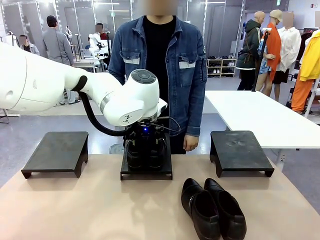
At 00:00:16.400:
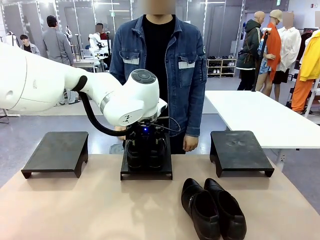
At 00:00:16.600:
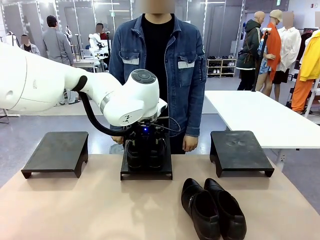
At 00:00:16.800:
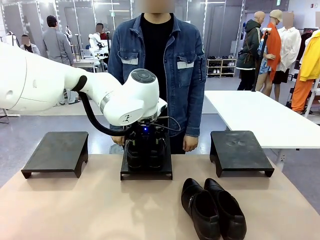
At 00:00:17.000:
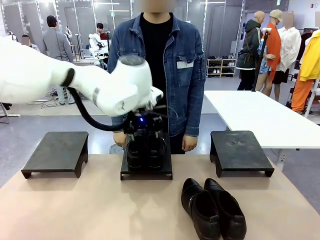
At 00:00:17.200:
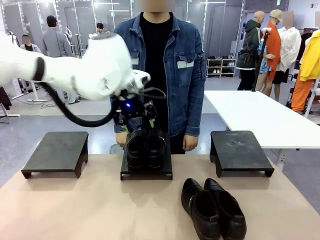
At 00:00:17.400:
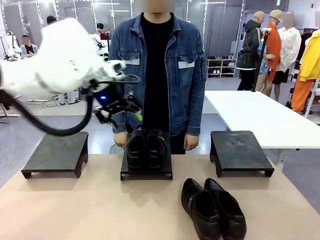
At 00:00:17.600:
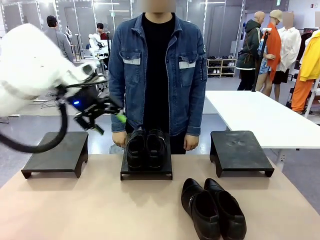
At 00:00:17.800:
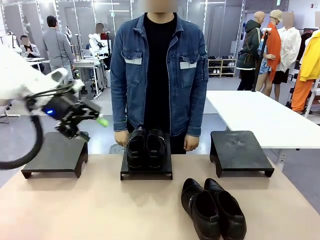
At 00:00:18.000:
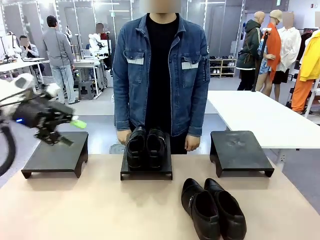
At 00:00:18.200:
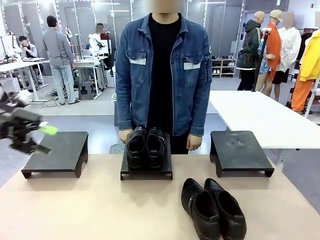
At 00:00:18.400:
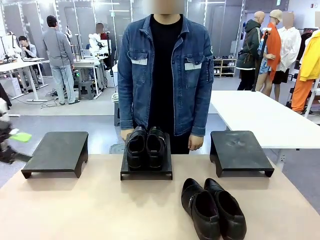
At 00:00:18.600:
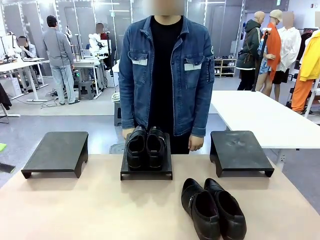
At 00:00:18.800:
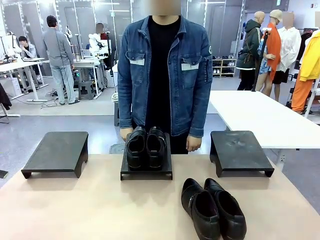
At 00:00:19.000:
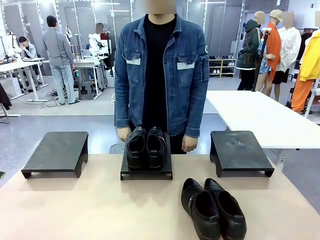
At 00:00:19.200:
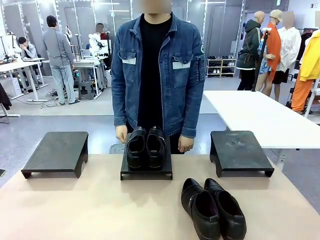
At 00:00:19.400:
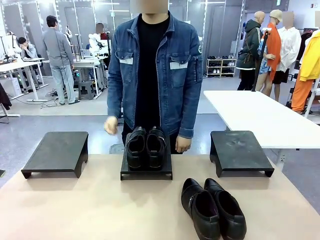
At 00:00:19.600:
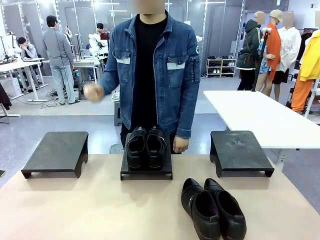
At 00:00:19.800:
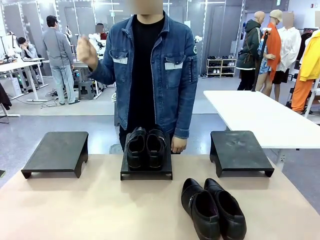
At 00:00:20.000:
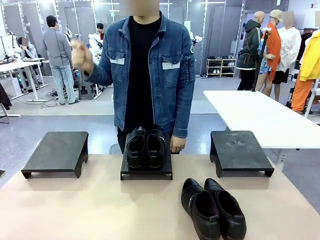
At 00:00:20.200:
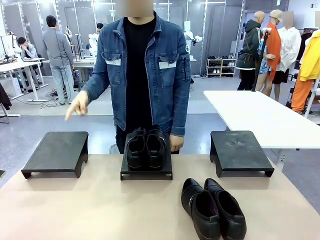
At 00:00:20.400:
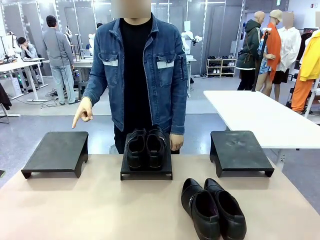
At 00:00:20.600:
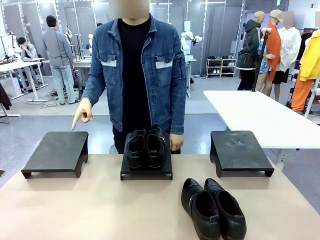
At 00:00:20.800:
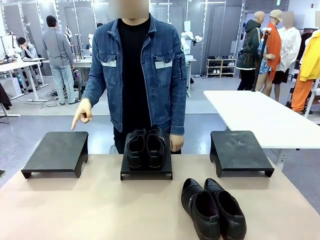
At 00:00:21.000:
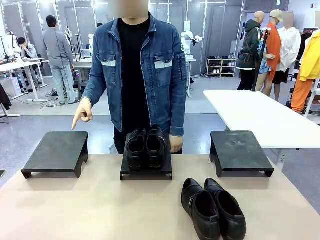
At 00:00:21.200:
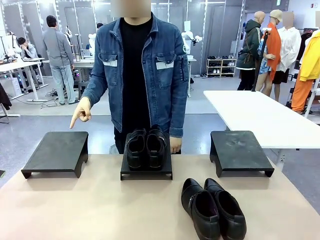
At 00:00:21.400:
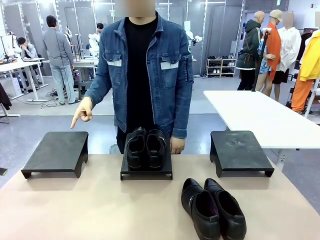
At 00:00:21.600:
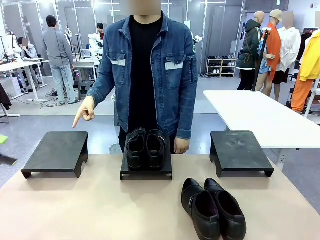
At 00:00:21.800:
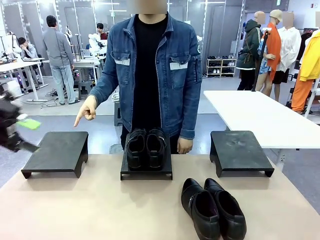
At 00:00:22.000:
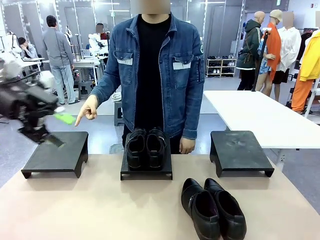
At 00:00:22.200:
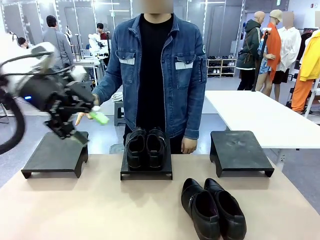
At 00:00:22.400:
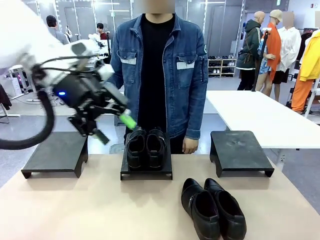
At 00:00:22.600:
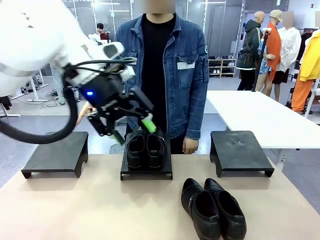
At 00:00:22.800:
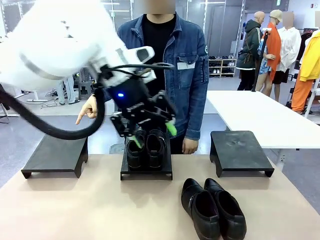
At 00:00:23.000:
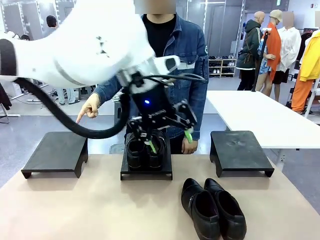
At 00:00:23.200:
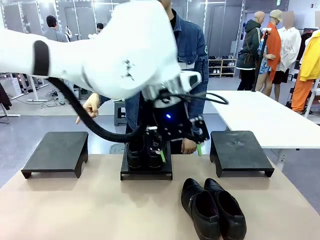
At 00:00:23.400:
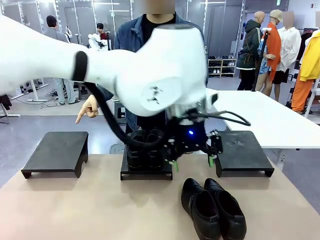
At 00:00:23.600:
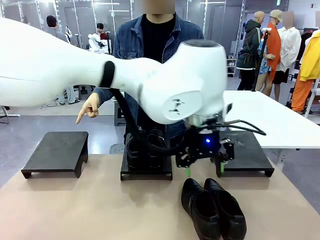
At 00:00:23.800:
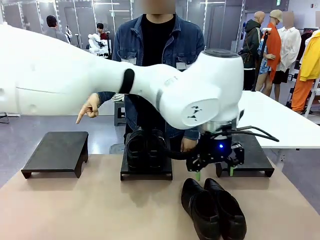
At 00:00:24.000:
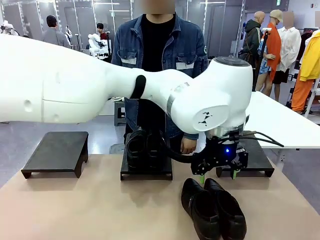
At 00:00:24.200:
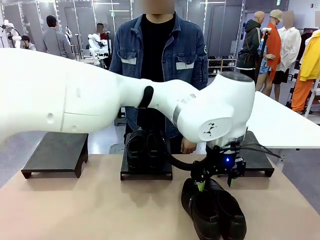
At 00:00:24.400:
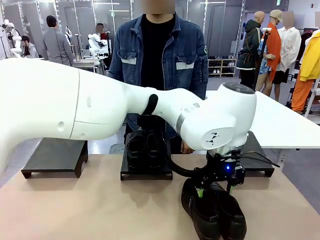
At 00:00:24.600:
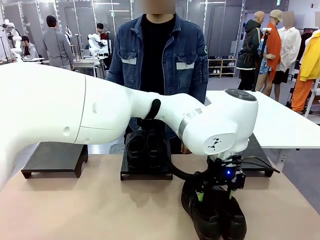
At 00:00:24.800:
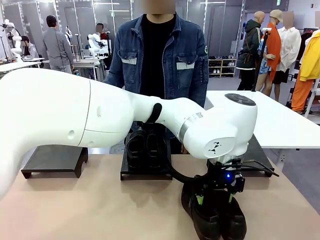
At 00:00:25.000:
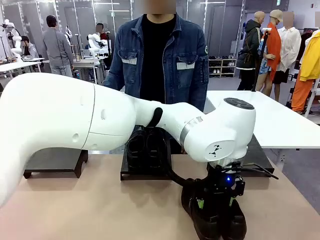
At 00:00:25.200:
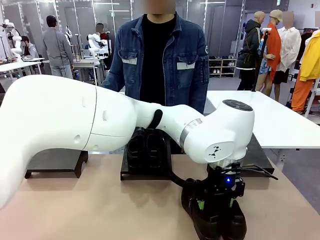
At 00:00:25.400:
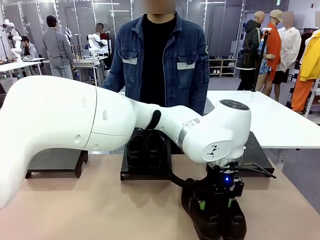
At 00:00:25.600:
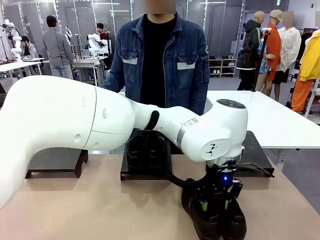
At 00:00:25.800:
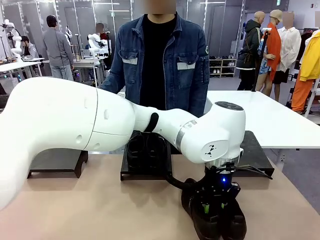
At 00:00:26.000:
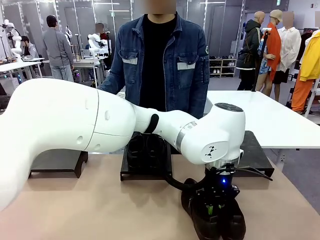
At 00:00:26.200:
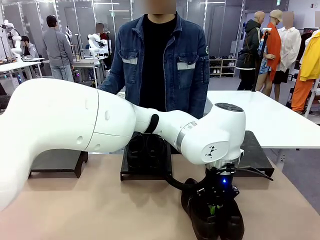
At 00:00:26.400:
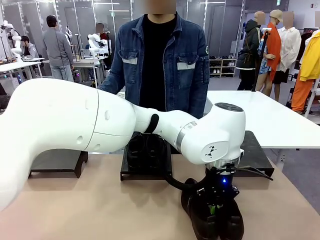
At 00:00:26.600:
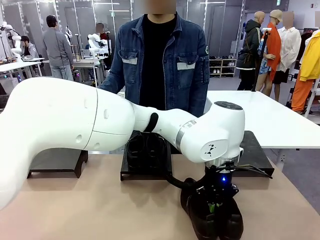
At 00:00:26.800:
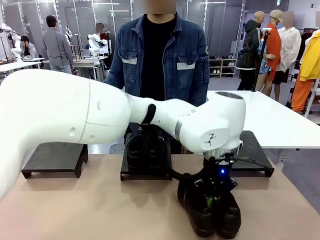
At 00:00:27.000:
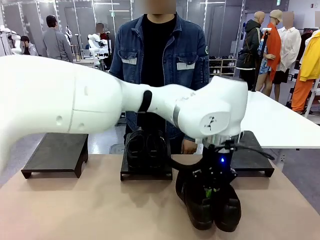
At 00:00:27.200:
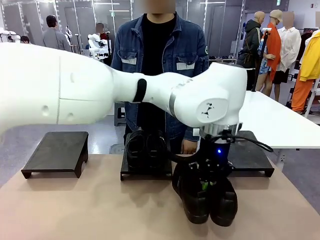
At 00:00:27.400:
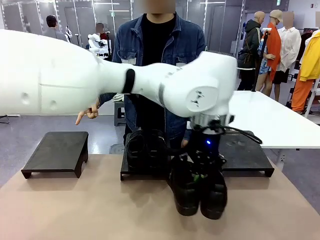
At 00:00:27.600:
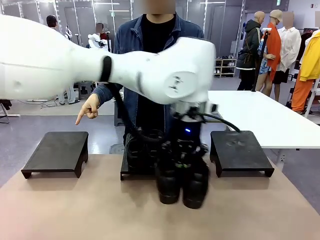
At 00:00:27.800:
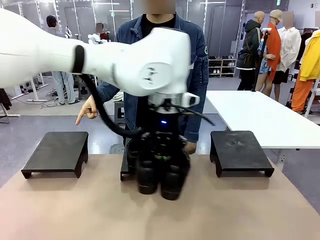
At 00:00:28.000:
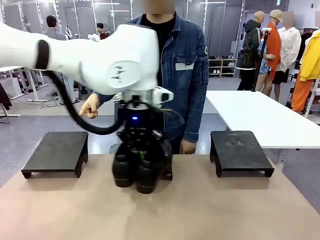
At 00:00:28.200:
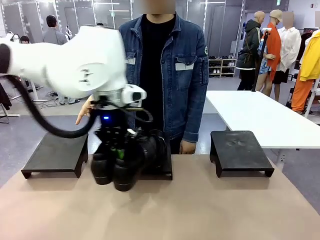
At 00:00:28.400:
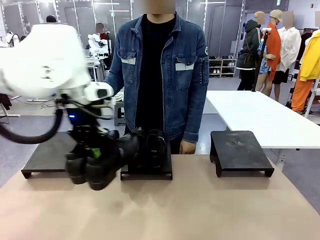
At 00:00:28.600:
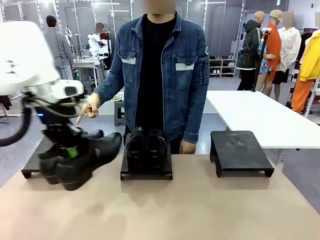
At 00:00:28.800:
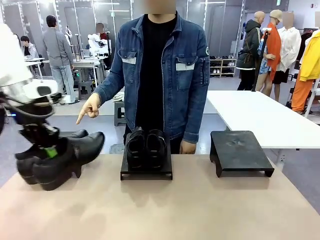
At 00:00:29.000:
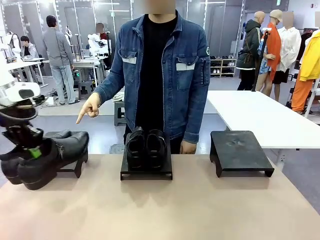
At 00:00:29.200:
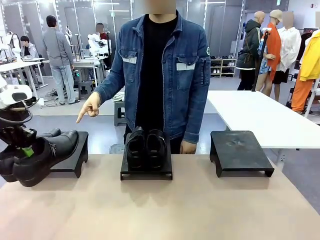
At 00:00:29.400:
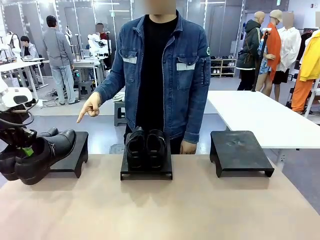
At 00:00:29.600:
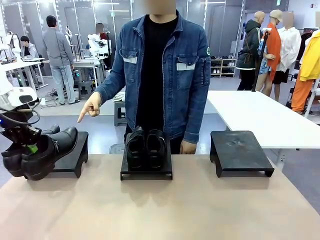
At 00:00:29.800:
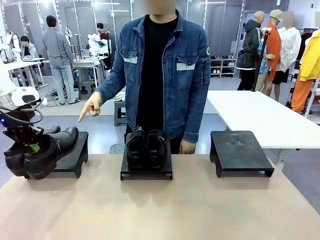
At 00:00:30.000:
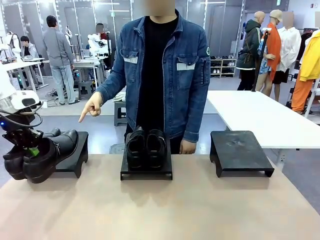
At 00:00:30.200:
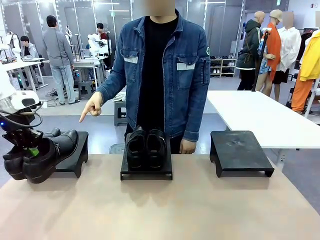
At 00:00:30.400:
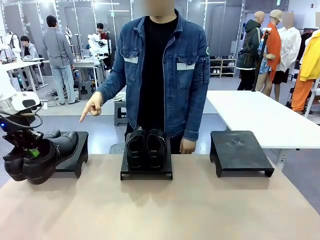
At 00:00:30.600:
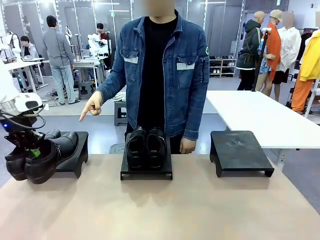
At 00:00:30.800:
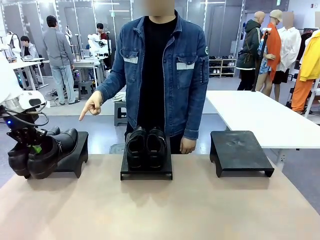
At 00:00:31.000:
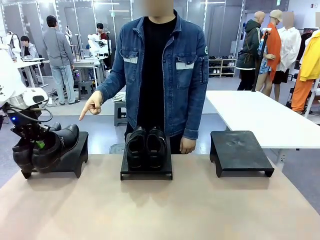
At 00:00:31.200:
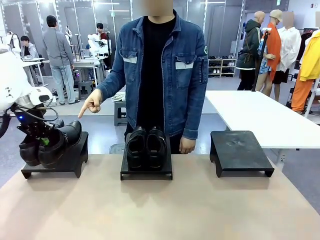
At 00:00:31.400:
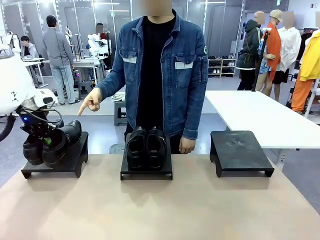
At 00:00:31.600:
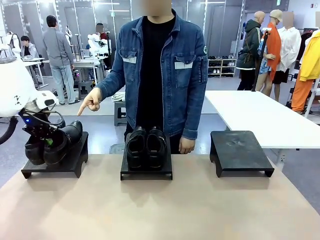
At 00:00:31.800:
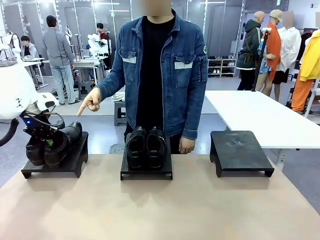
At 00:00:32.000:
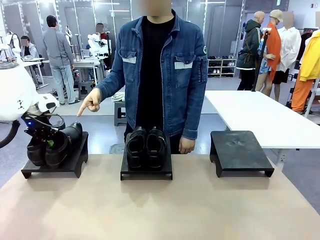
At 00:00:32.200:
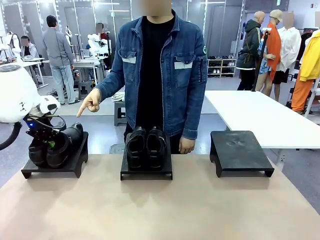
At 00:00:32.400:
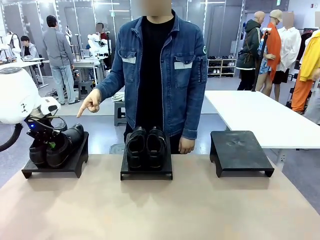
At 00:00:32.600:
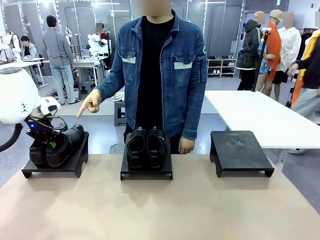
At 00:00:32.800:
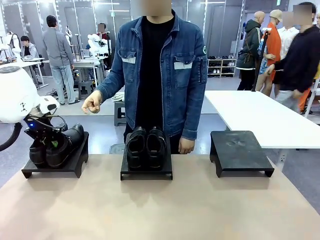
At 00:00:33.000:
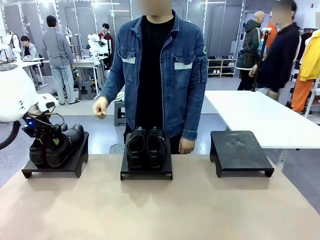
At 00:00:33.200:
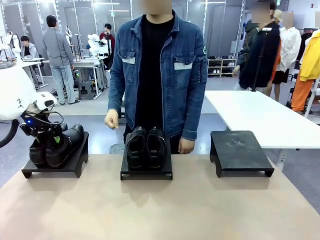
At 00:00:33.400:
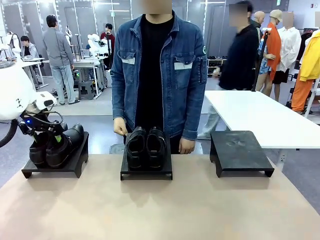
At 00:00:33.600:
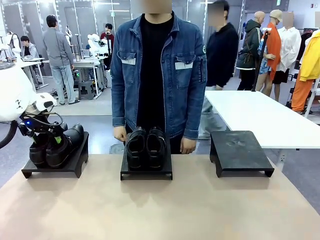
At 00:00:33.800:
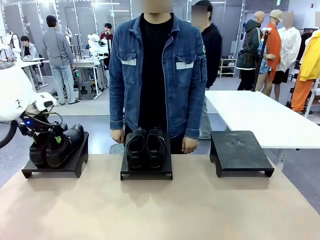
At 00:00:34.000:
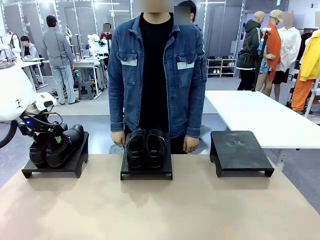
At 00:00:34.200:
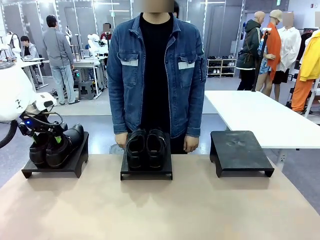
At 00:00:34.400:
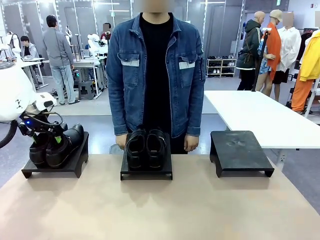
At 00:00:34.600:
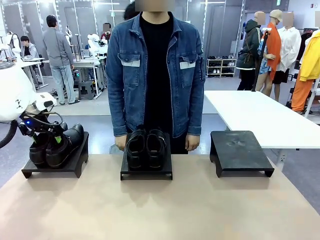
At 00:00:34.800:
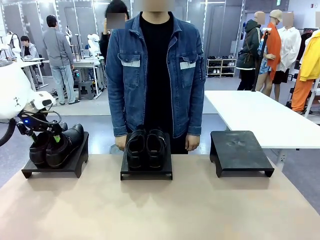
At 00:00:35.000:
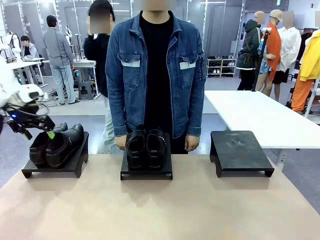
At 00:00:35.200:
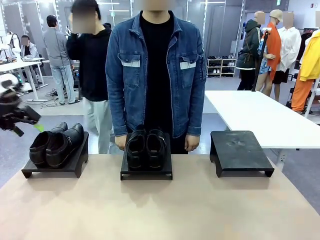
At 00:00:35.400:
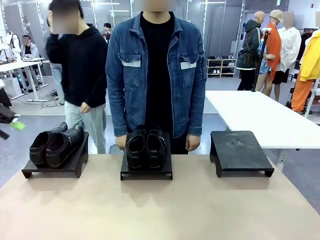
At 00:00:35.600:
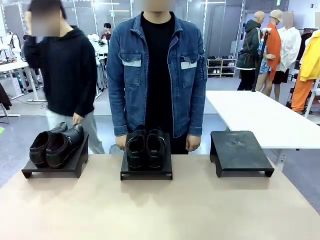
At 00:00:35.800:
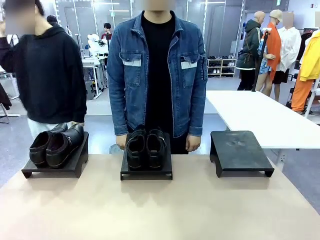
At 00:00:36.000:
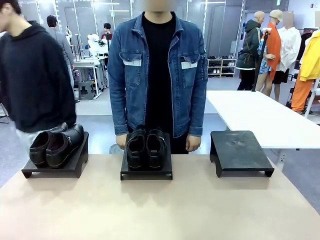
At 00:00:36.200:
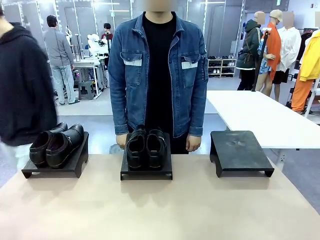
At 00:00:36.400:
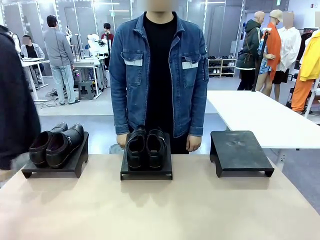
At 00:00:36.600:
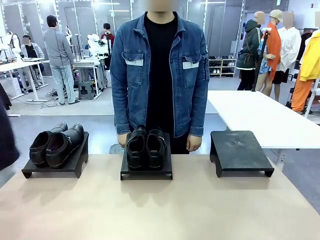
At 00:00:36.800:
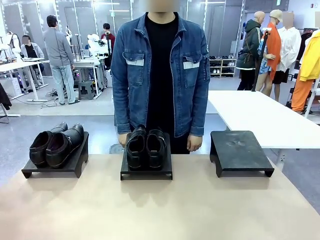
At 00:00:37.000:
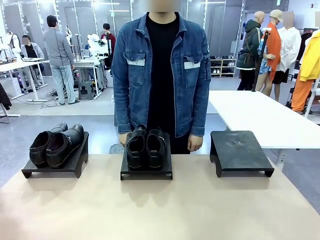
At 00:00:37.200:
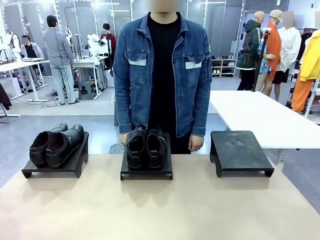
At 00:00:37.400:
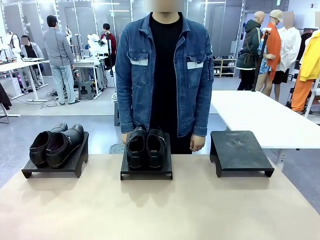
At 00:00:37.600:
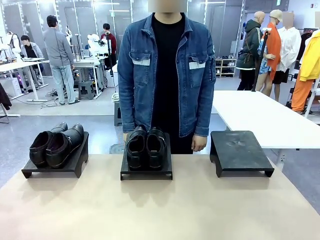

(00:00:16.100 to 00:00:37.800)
Task: Place the shoes on the stand as instructed by the person.
Robot: Pick up another pair of Shoes and place it on the Shoes Stand indicated by the person.
Person: Point to one Shoes Stand.
